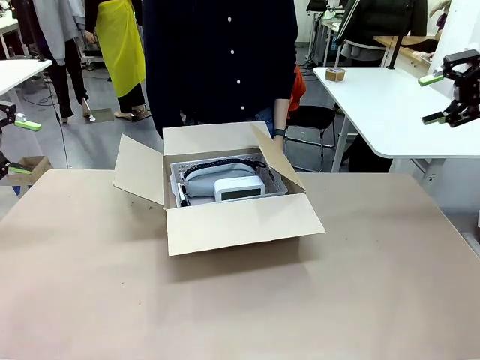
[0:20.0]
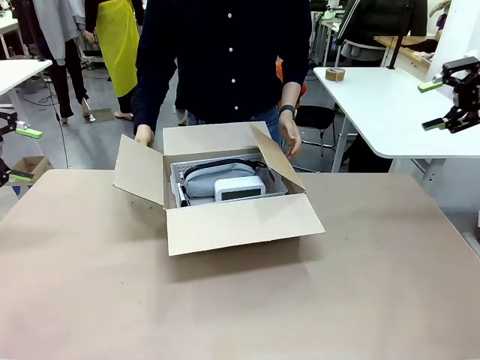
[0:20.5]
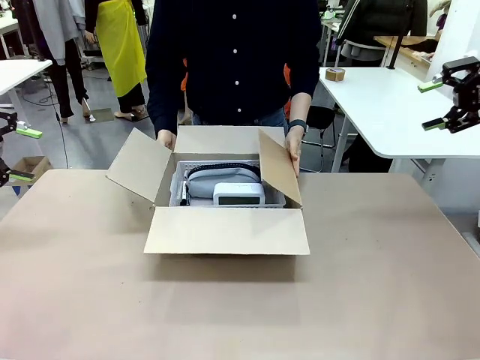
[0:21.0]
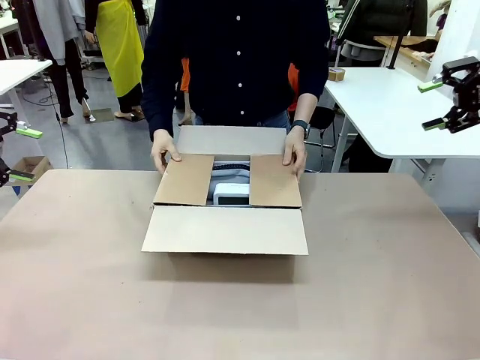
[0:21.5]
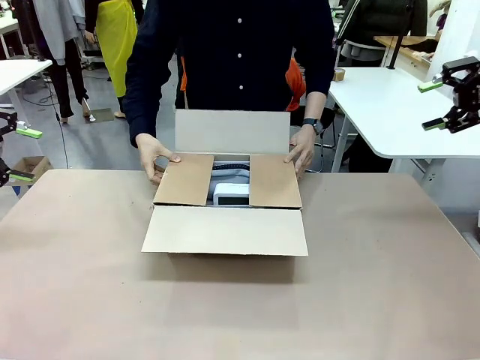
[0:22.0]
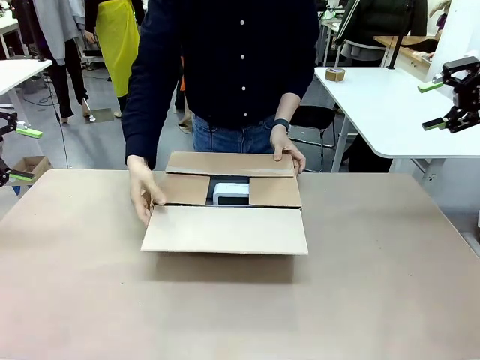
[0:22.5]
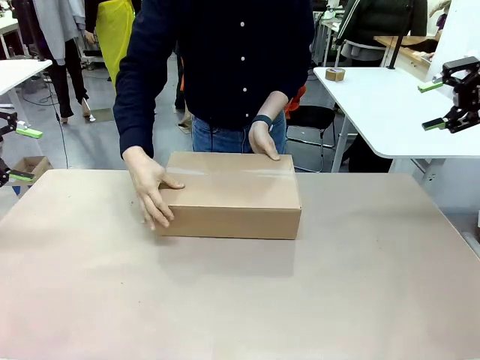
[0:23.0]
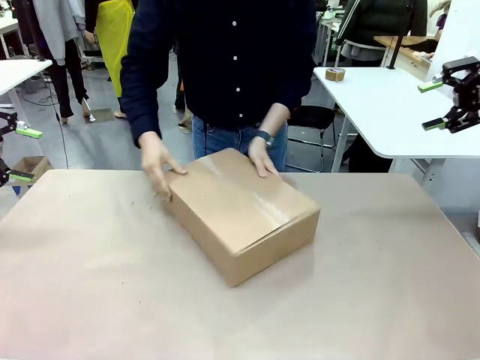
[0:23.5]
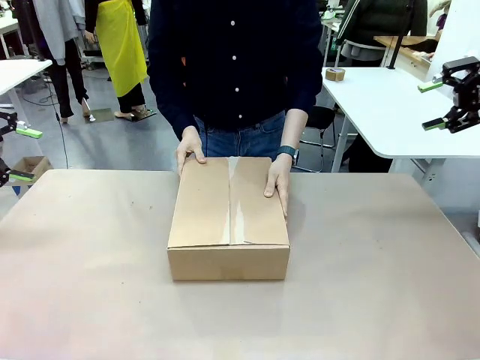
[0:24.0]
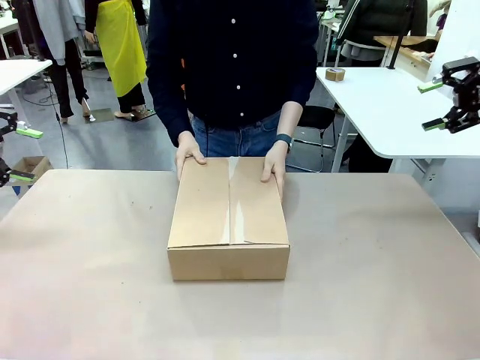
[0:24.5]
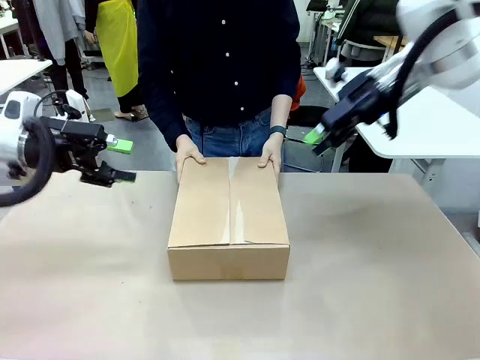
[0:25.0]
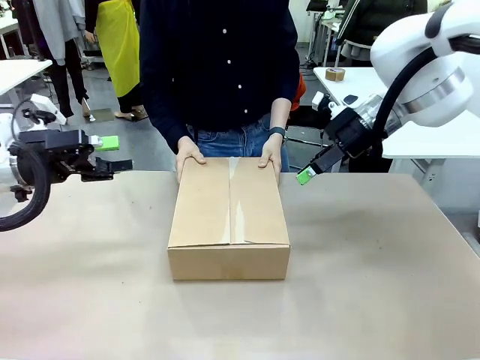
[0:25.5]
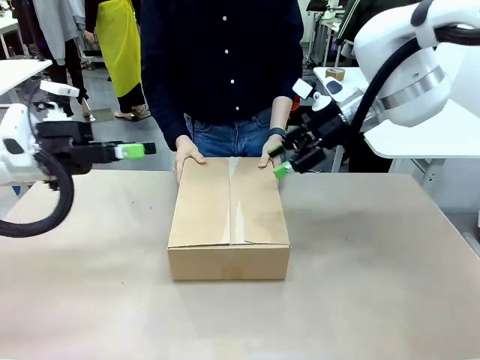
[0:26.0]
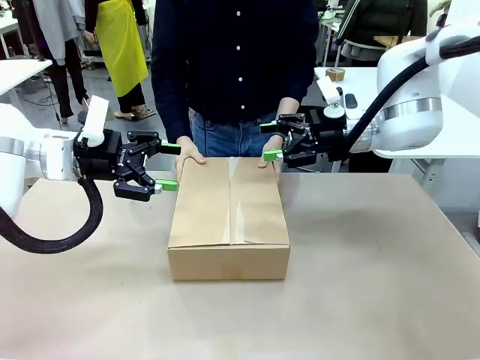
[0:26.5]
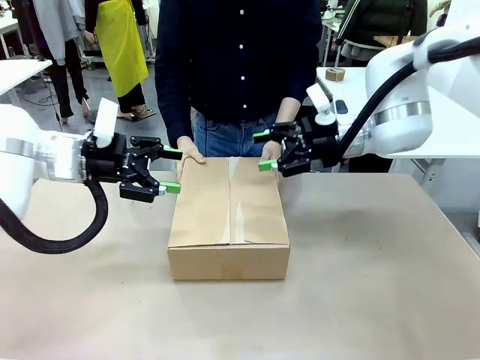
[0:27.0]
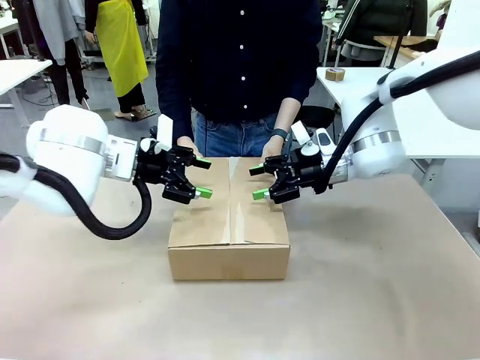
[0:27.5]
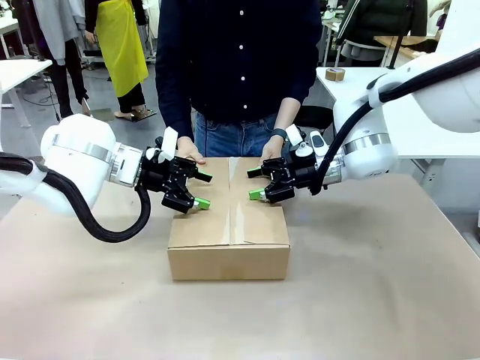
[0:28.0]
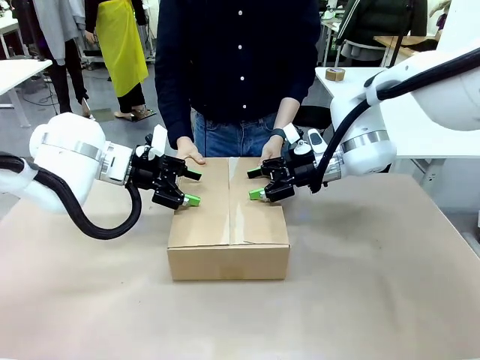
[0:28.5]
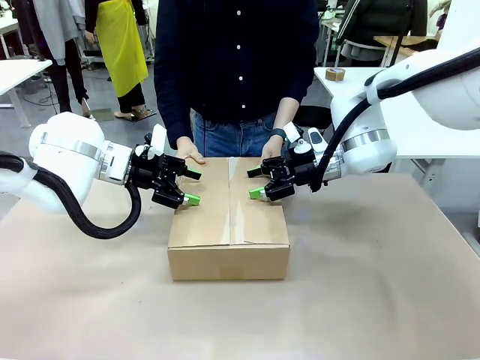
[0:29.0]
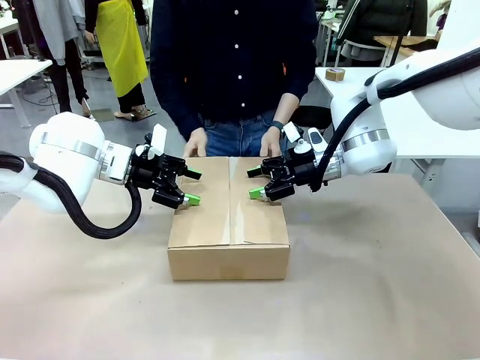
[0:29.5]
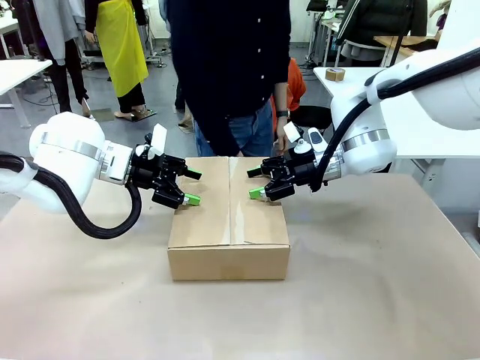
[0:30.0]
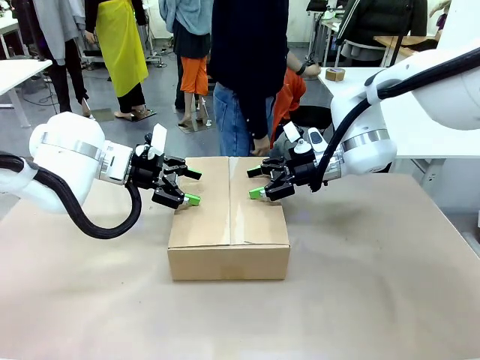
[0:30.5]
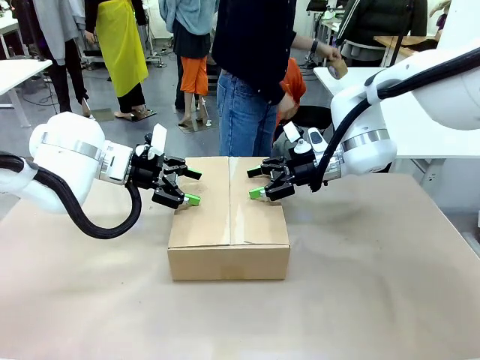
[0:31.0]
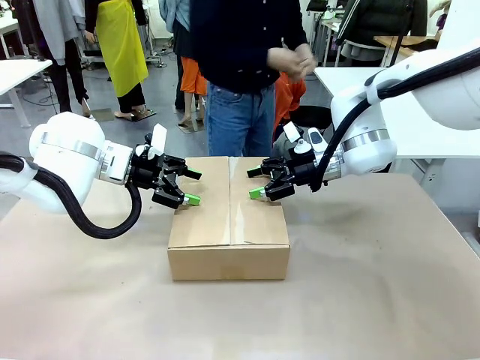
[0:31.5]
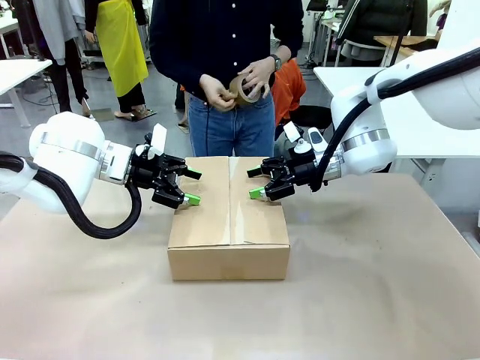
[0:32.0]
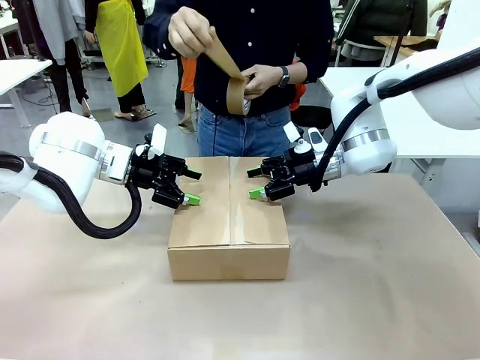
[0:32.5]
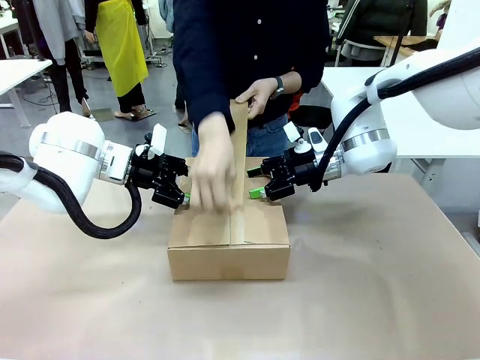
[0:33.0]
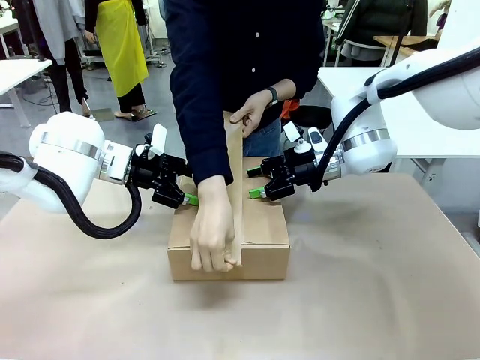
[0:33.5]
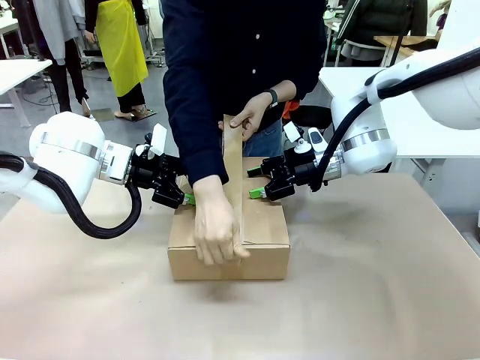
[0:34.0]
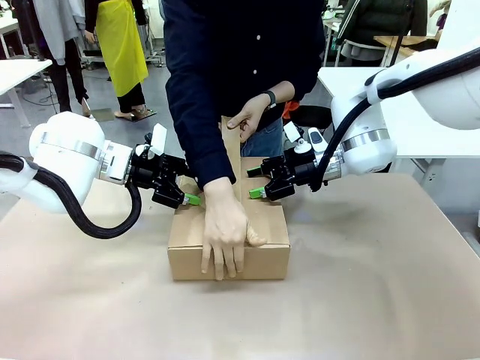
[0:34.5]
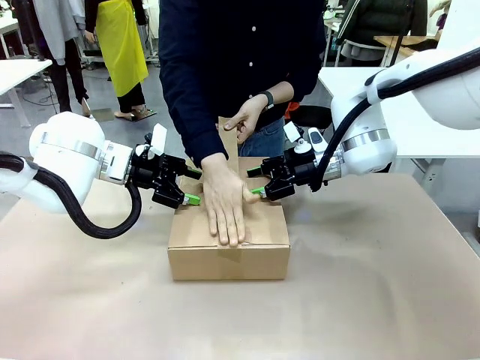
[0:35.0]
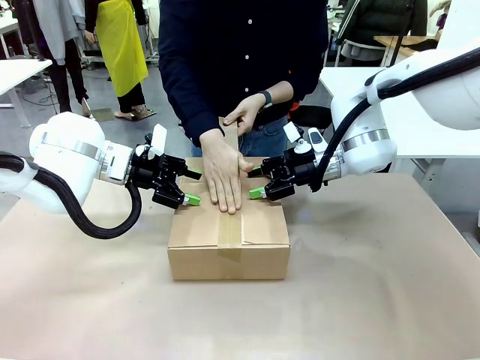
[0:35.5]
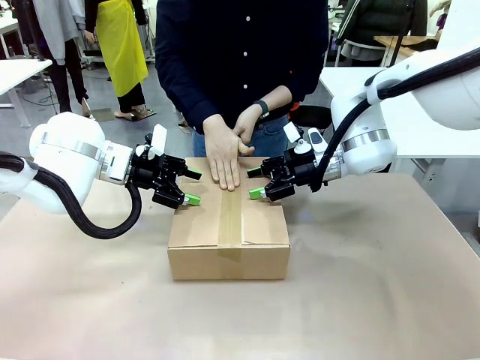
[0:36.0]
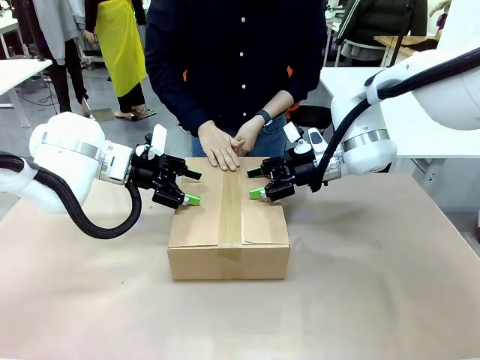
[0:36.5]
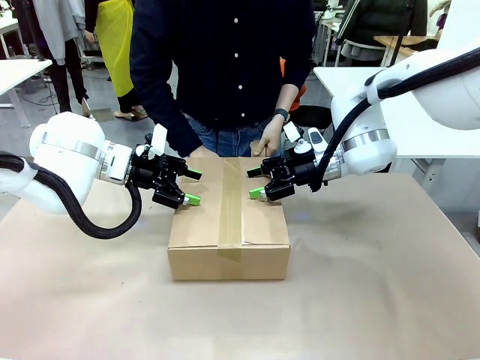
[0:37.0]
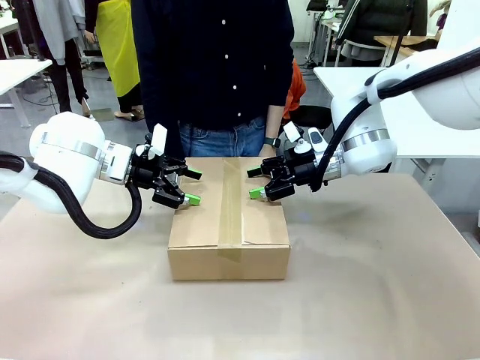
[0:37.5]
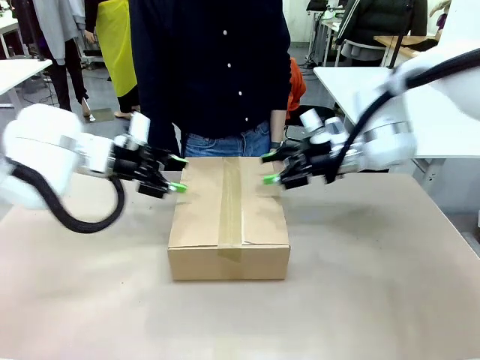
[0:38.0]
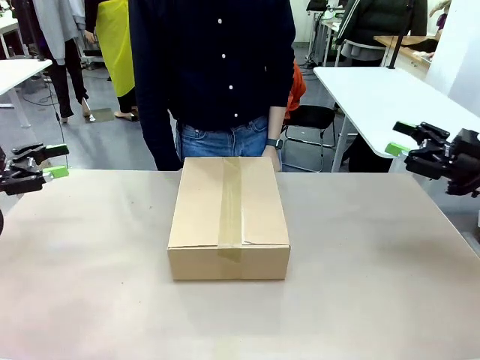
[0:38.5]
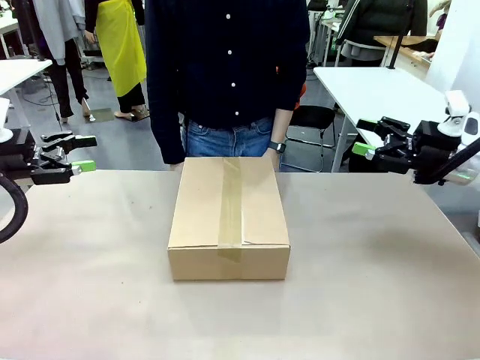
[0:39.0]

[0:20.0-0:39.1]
Task: Pack the gift set into the box.
Robot: Press and hold the closed box until the human finishes sealing it.
Person: The human closes the box and rotates the box by 90 degrees. The human picks up the paper tape from the human table and packs the box.
